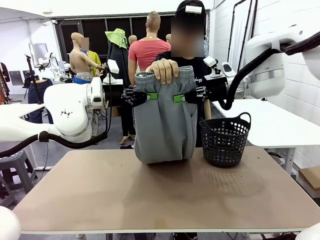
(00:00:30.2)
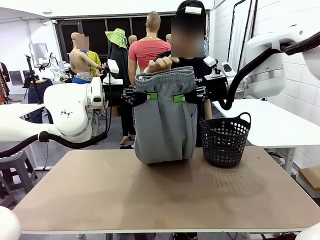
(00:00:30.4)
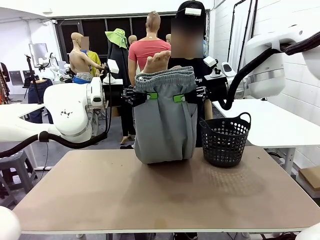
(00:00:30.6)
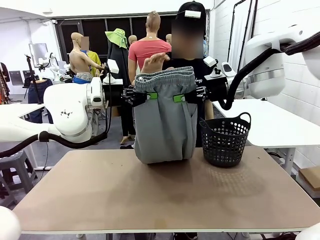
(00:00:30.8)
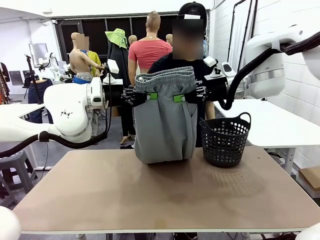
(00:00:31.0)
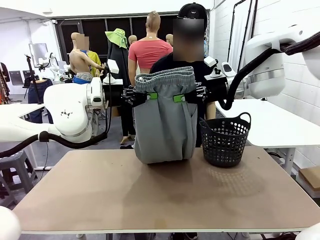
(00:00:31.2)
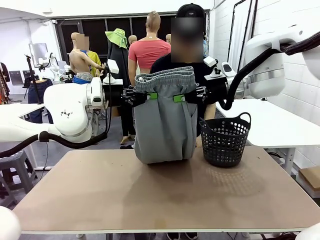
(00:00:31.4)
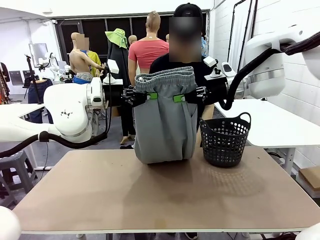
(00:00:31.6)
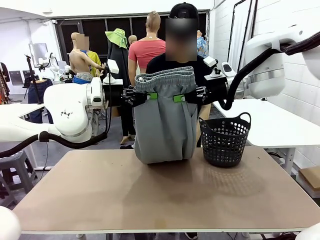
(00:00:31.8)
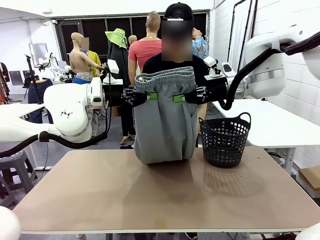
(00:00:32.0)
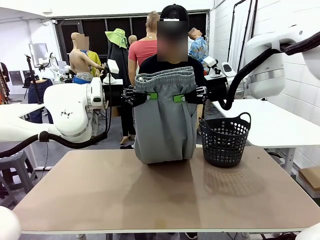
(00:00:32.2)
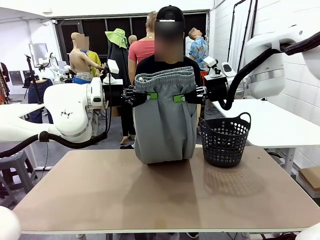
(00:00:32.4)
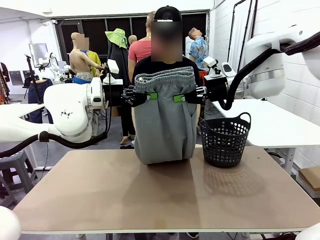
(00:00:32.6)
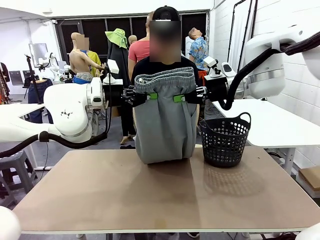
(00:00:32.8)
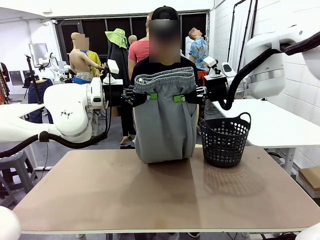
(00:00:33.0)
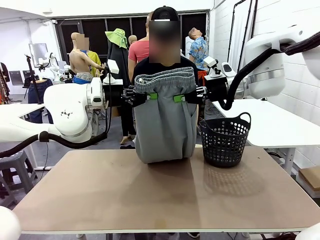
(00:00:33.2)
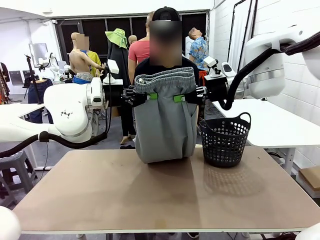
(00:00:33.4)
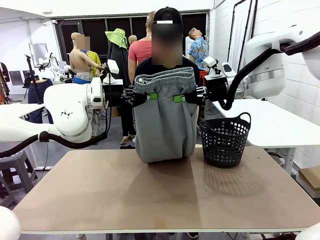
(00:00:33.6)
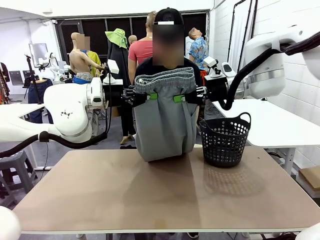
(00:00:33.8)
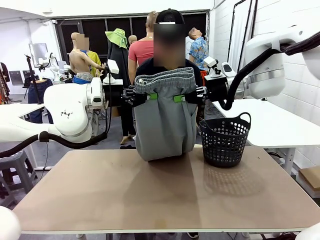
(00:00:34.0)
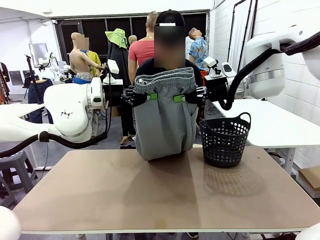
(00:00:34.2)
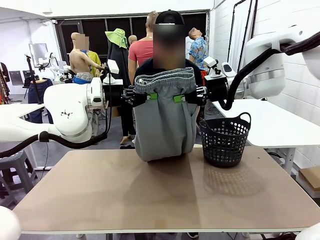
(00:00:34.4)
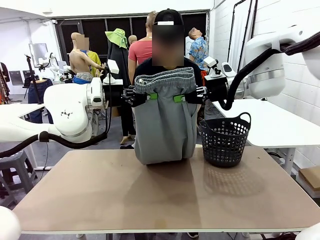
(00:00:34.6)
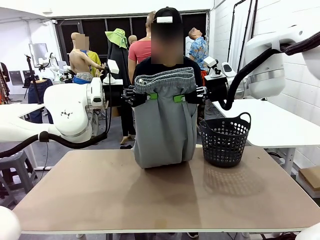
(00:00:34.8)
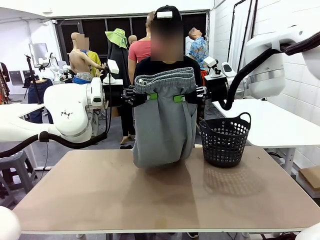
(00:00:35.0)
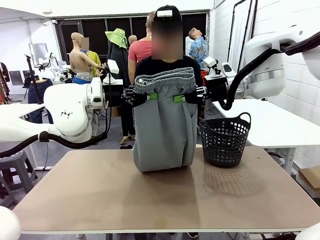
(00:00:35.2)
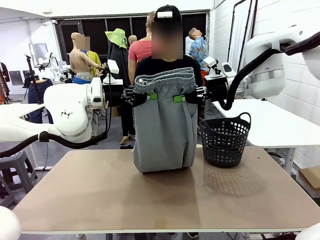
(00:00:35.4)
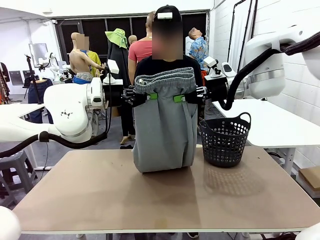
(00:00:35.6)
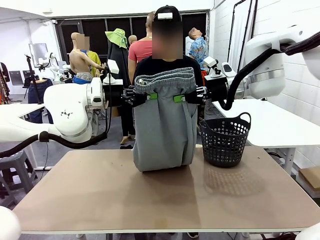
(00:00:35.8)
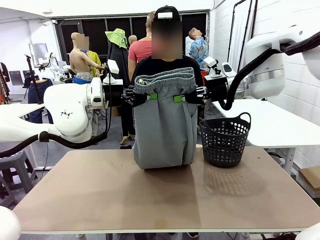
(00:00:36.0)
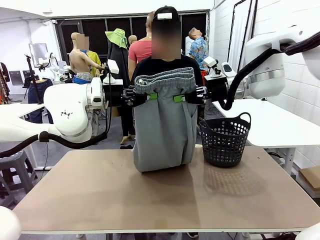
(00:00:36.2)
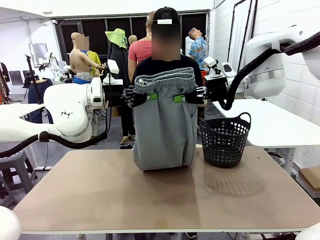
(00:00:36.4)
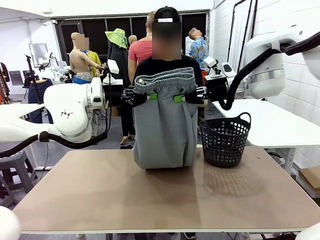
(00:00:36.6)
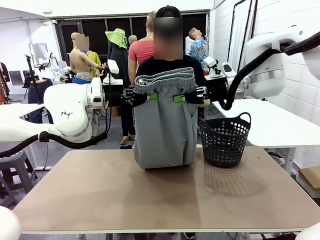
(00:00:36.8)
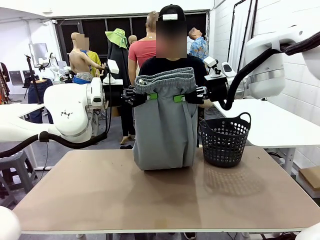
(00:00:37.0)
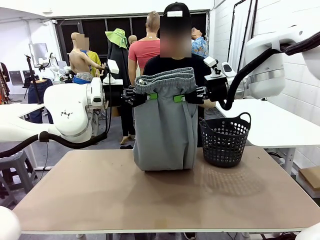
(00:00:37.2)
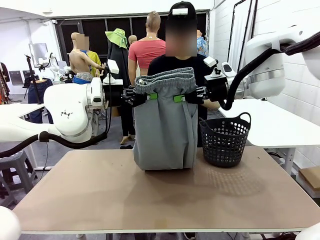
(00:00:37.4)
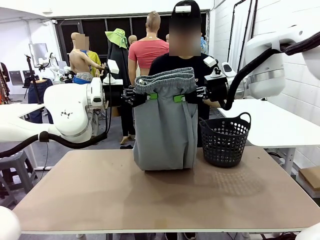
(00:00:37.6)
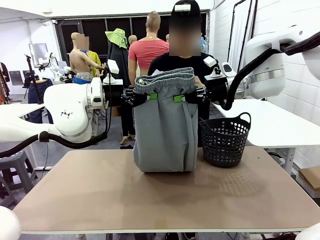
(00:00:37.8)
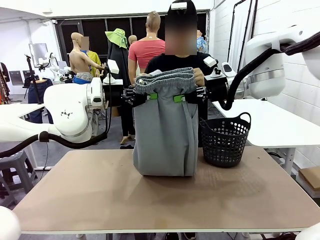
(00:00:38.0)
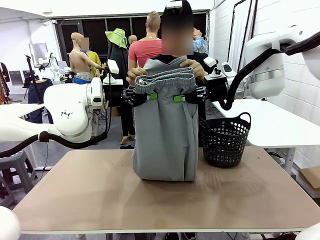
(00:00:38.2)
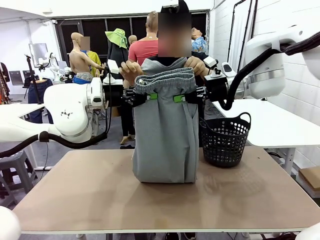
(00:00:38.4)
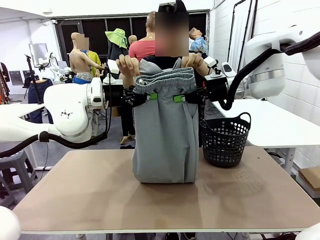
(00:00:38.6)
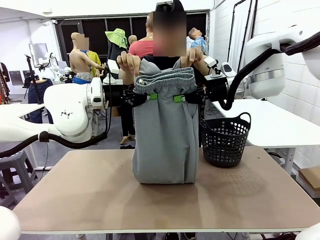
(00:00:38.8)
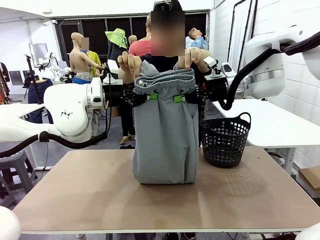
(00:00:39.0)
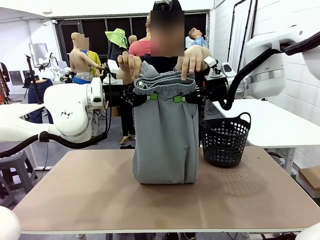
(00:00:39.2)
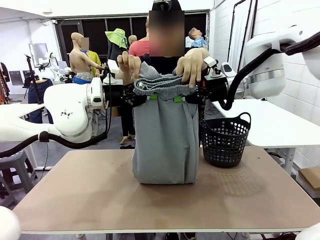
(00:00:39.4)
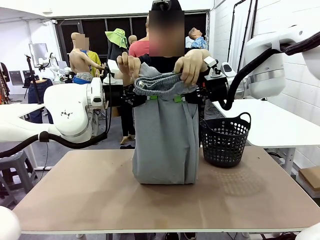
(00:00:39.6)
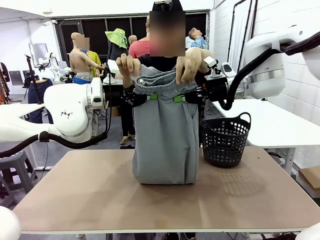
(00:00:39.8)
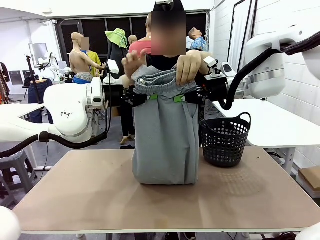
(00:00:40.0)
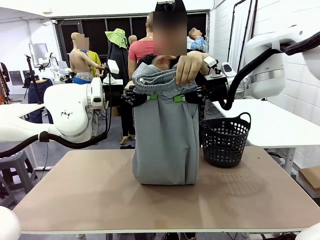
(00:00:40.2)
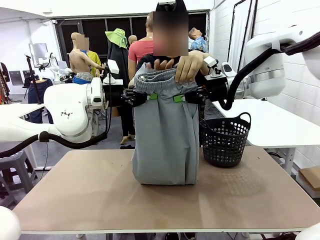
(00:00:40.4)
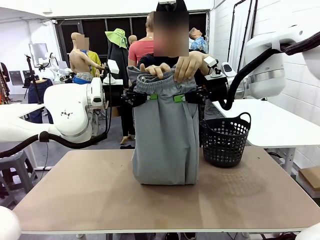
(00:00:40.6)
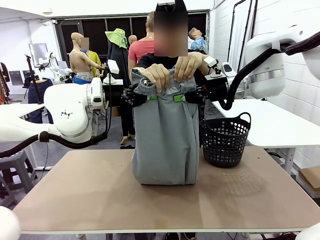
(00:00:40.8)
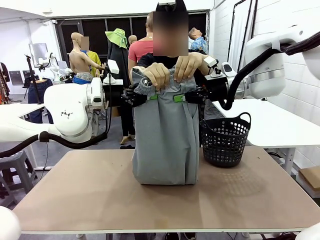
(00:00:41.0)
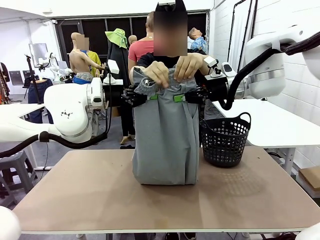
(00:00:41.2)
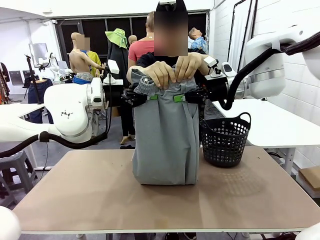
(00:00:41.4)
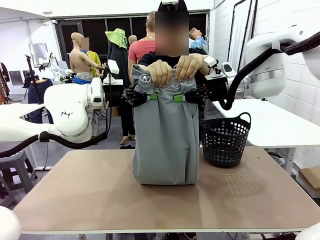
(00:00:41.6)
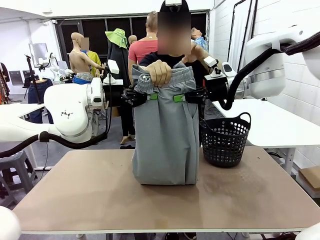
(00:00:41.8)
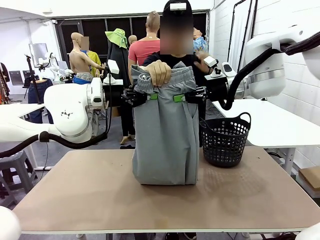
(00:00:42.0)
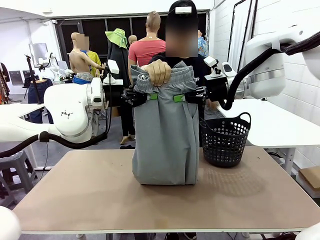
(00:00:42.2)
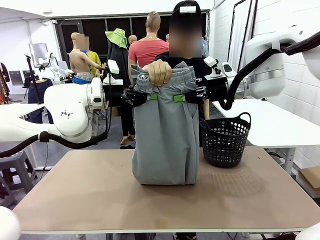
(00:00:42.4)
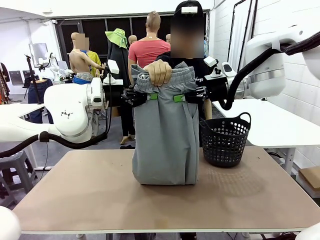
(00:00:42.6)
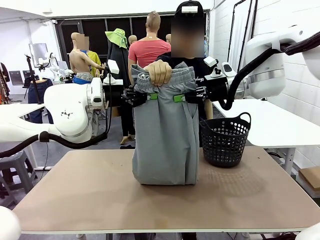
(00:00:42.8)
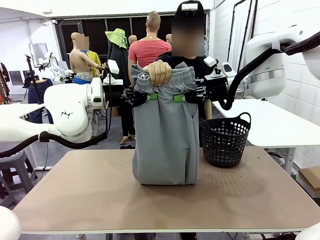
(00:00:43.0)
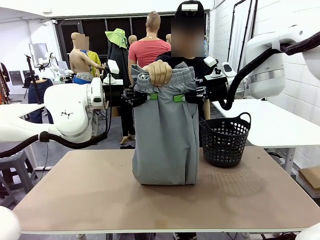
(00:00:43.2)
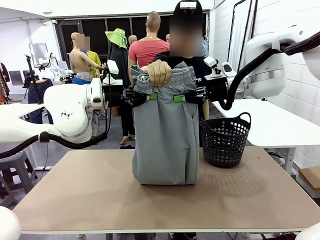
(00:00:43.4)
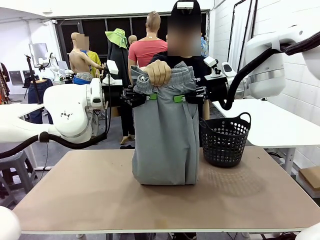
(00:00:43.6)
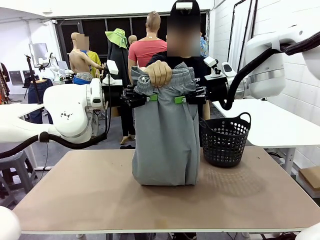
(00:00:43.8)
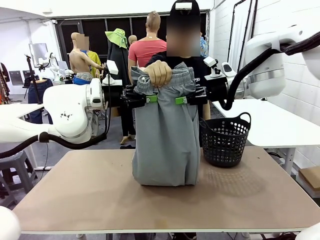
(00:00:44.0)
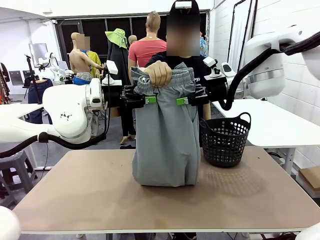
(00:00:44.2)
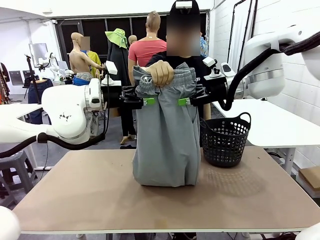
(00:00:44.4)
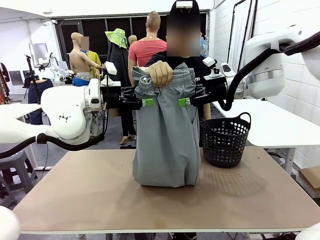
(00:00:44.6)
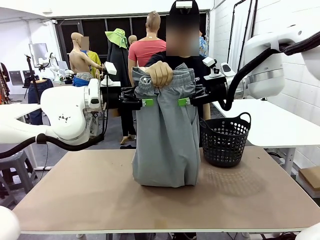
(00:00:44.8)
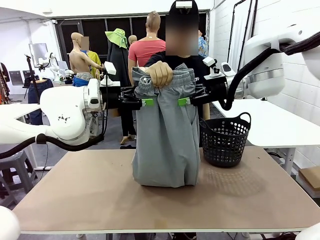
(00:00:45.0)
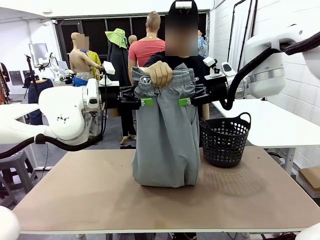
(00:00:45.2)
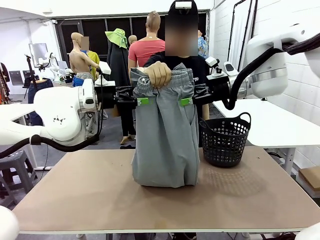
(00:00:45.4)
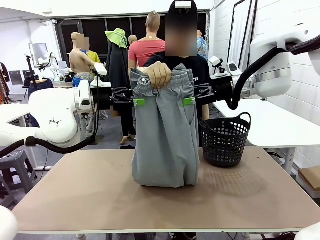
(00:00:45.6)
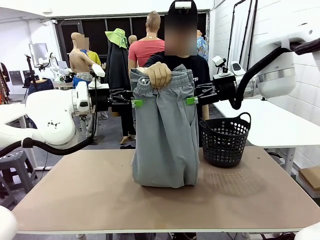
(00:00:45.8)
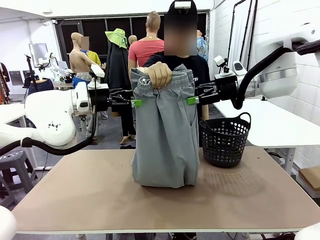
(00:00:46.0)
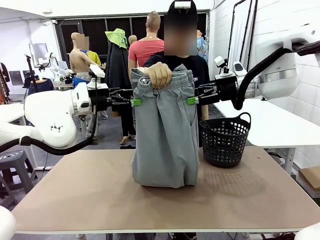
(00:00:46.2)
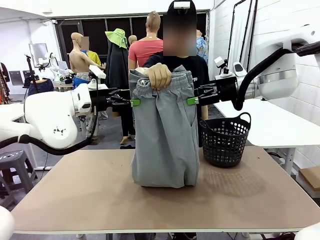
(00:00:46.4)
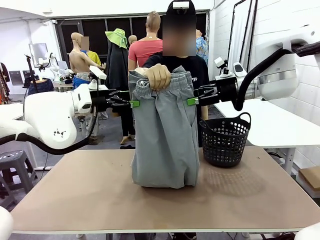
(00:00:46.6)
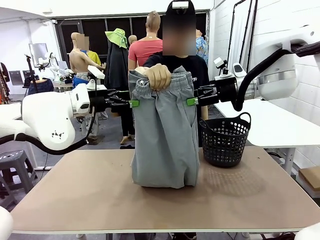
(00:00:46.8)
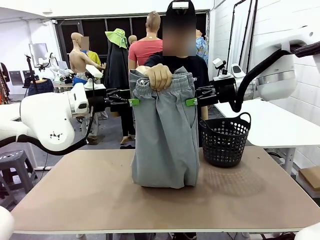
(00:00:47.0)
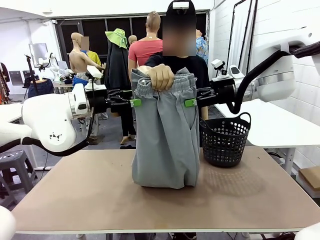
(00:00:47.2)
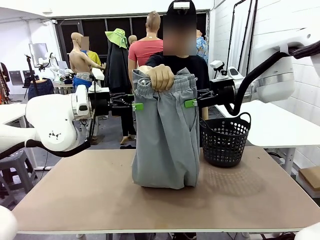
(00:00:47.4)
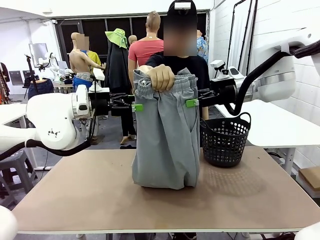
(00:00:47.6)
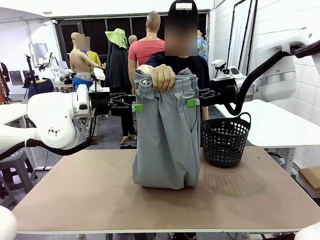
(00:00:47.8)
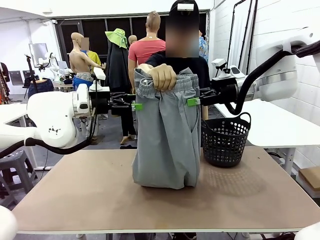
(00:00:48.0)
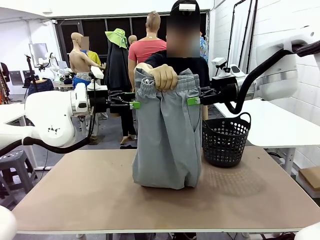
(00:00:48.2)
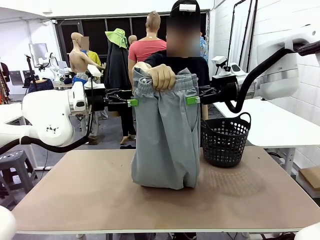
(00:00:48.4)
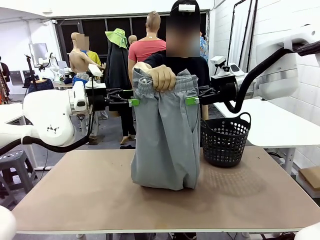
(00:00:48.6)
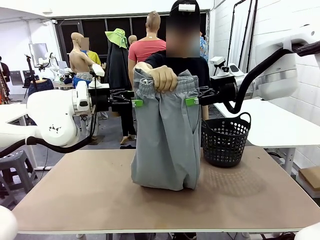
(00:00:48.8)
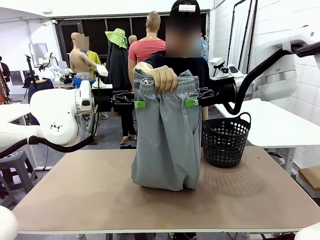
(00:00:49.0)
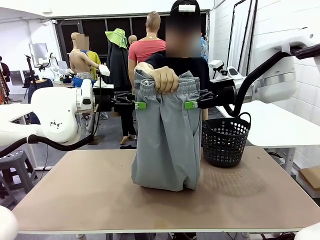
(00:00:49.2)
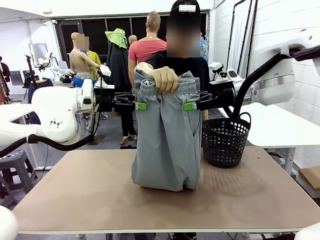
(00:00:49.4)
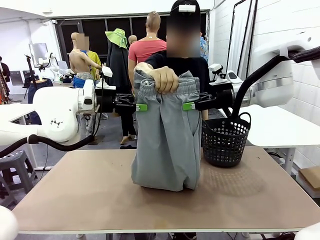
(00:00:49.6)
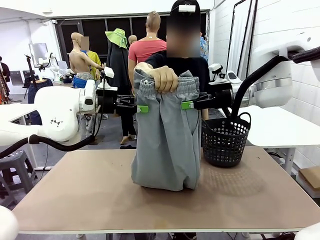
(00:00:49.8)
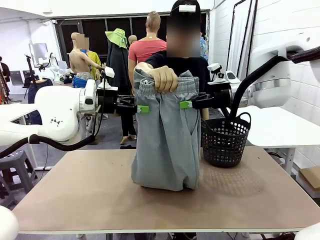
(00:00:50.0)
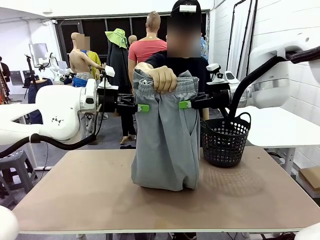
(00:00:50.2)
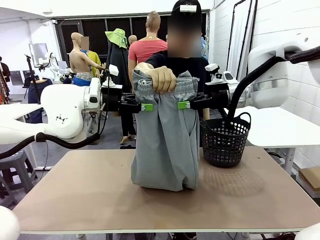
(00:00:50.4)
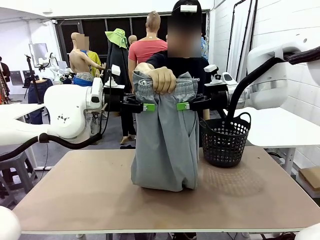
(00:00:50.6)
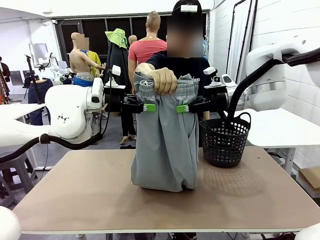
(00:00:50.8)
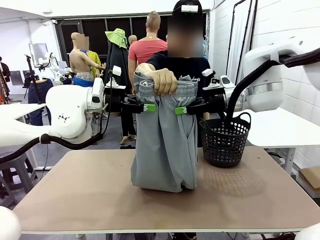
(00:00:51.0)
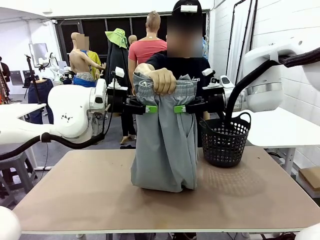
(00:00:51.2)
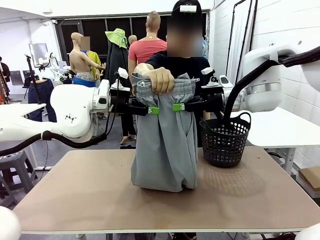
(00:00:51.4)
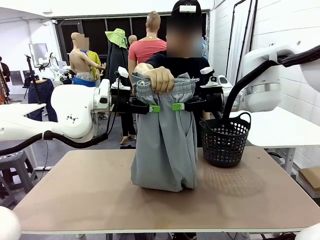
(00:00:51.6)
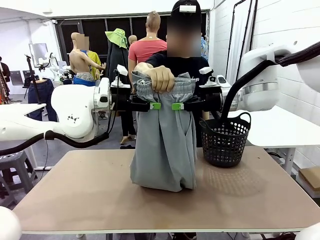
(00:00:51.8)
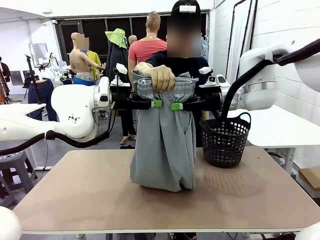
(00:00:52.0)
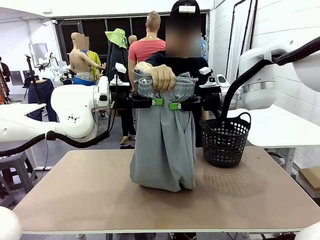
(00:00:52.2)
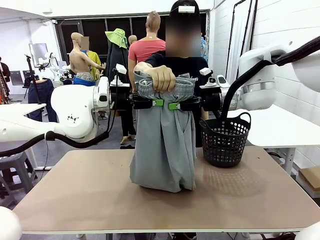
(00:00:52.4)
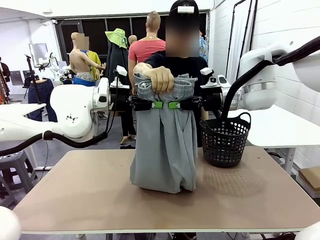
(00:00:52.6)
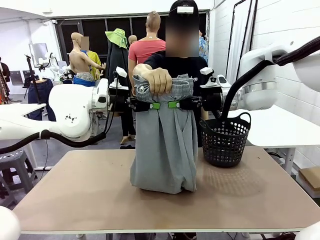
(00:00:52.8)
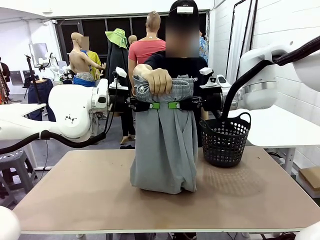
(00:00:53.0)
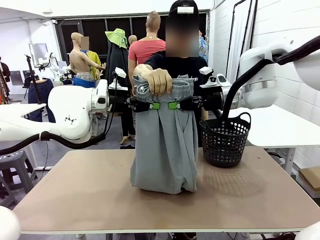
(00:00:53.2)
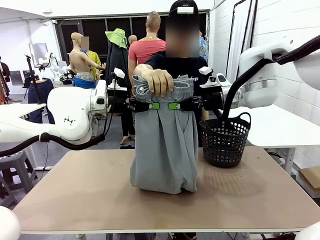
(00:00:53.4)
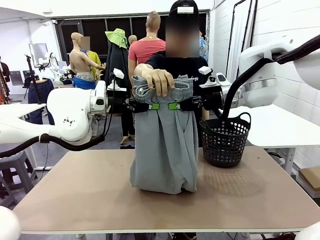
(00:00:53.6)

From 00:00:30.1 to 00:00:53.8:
Task: Fold the training pants.
Robot: Release the ends of the Training pants and then grab the overlapped ends.
Person: Grasp the end opposite the point the robot is holding, fold the pants in half, and then grasp the overlapping top end of the folded pants. Release the pants you were holding.
